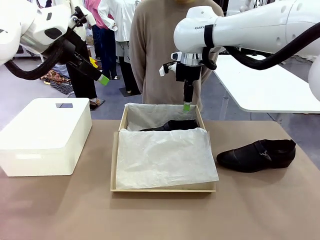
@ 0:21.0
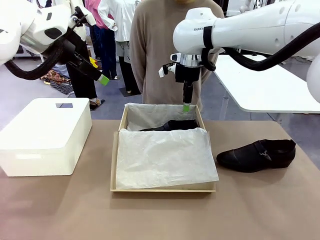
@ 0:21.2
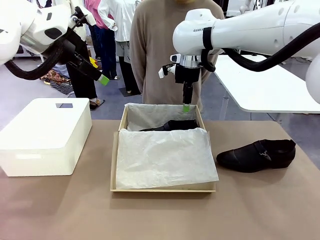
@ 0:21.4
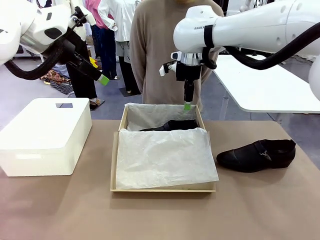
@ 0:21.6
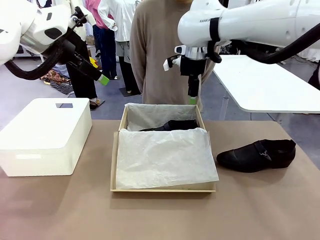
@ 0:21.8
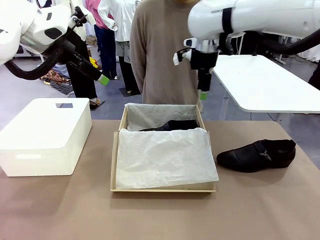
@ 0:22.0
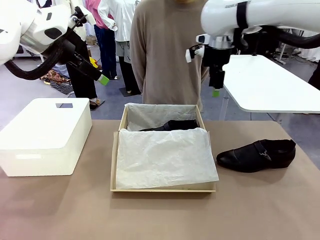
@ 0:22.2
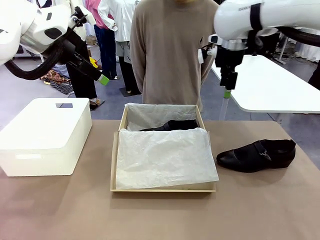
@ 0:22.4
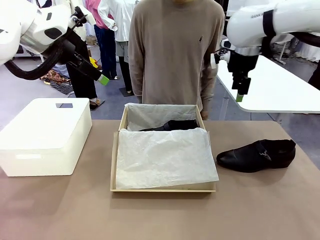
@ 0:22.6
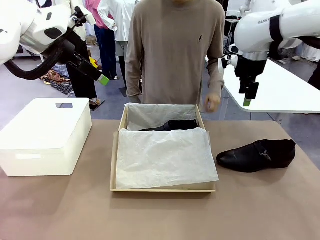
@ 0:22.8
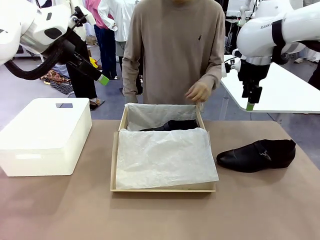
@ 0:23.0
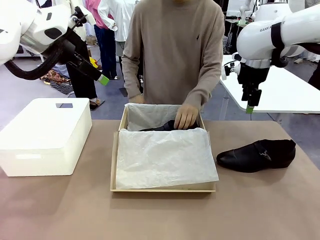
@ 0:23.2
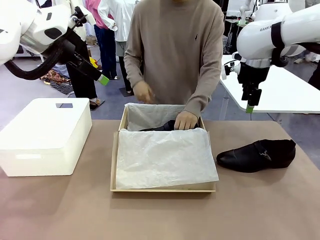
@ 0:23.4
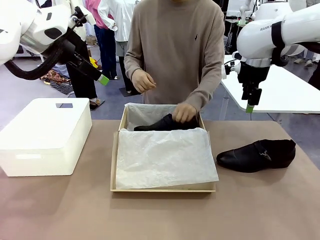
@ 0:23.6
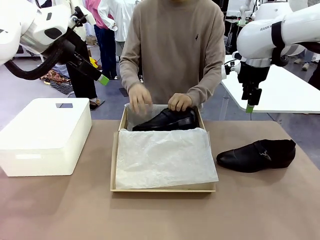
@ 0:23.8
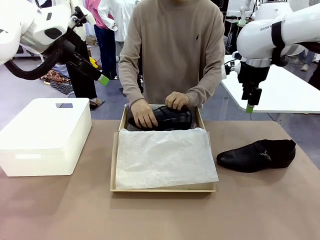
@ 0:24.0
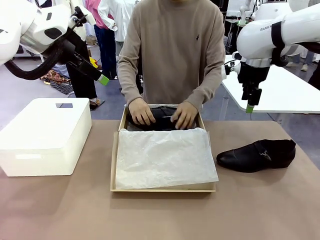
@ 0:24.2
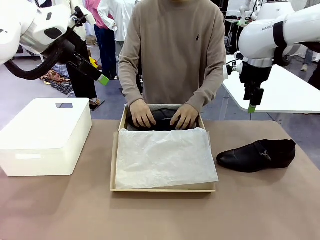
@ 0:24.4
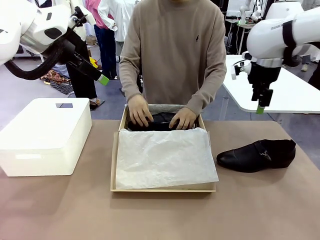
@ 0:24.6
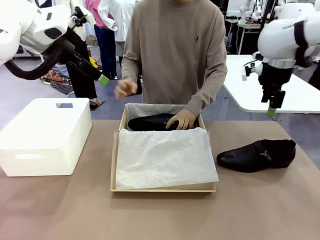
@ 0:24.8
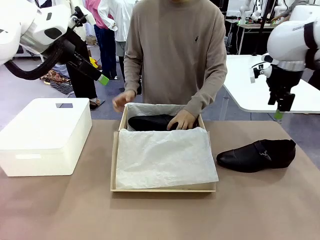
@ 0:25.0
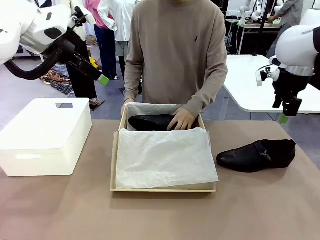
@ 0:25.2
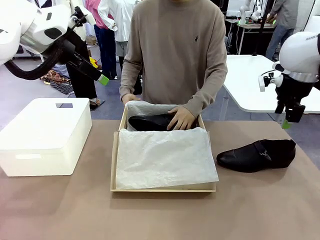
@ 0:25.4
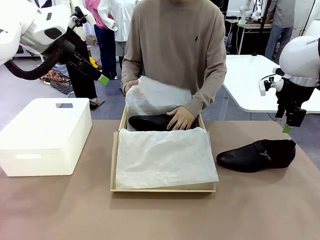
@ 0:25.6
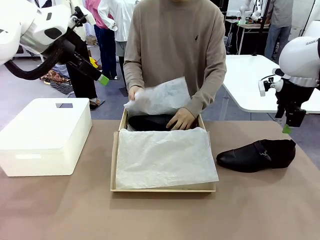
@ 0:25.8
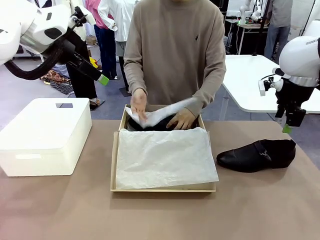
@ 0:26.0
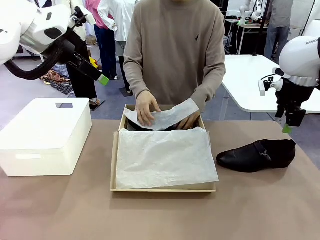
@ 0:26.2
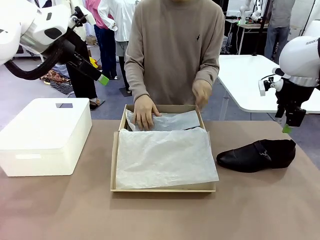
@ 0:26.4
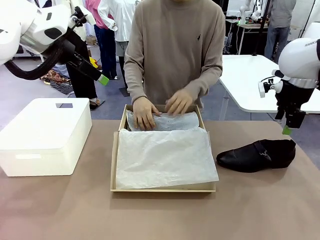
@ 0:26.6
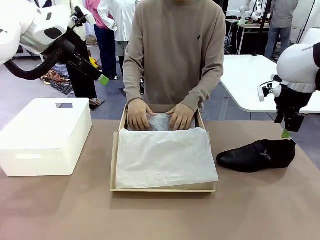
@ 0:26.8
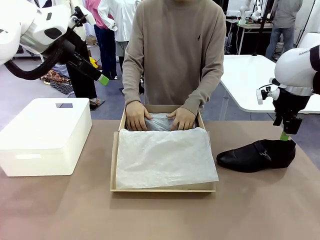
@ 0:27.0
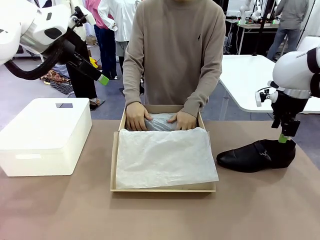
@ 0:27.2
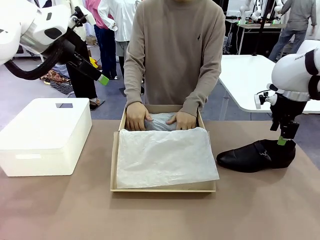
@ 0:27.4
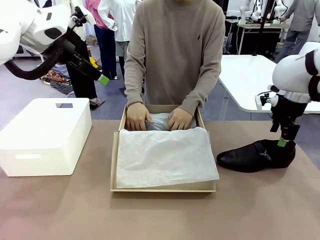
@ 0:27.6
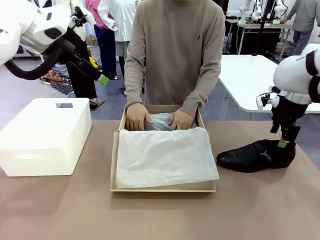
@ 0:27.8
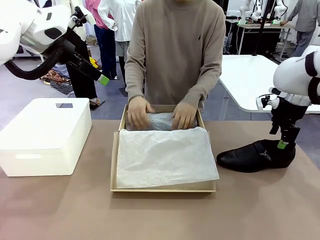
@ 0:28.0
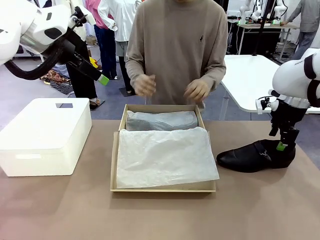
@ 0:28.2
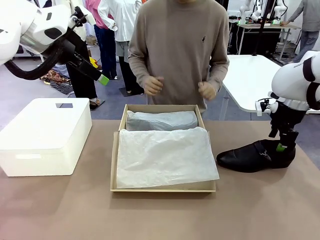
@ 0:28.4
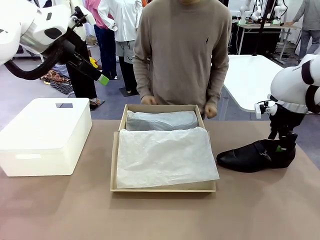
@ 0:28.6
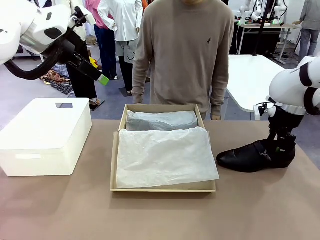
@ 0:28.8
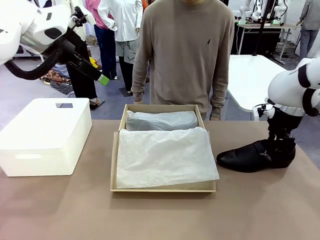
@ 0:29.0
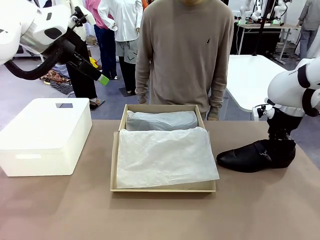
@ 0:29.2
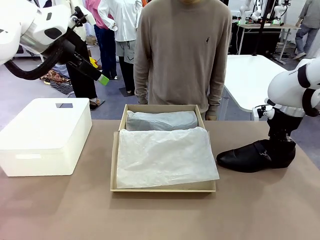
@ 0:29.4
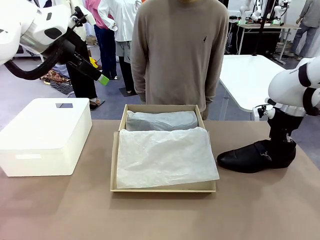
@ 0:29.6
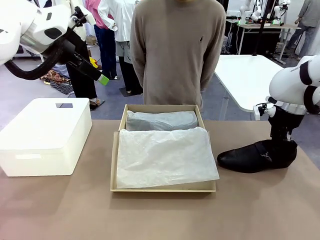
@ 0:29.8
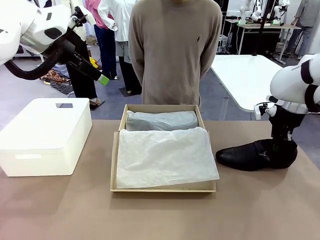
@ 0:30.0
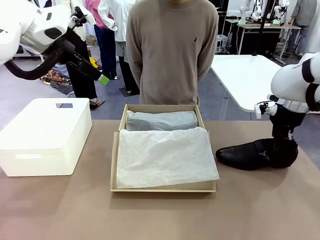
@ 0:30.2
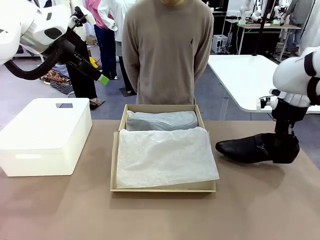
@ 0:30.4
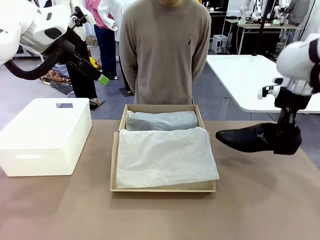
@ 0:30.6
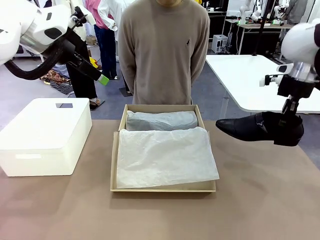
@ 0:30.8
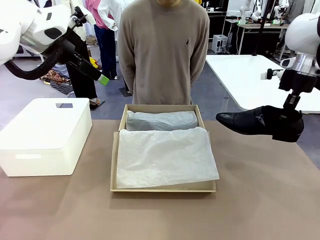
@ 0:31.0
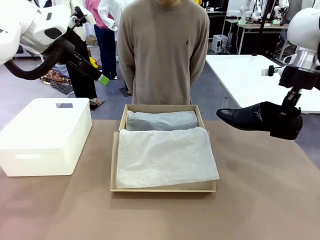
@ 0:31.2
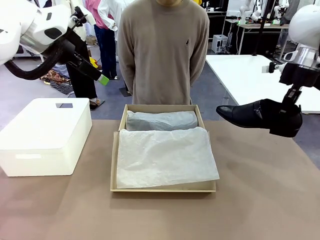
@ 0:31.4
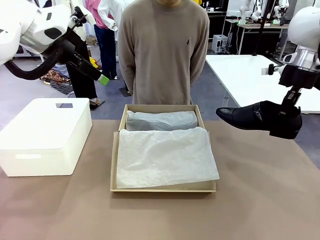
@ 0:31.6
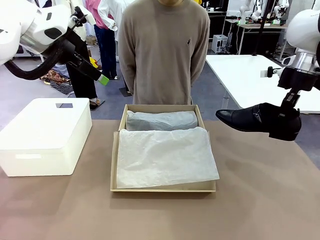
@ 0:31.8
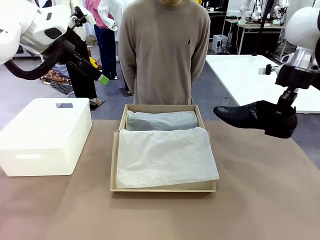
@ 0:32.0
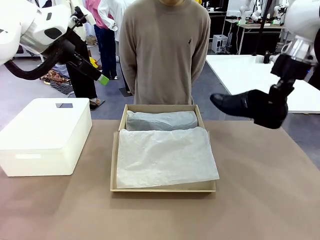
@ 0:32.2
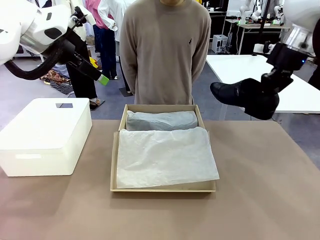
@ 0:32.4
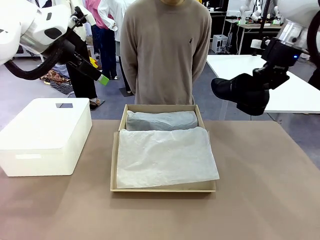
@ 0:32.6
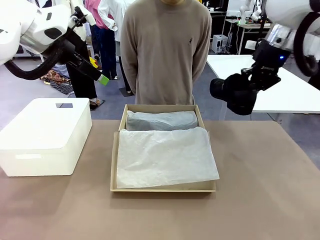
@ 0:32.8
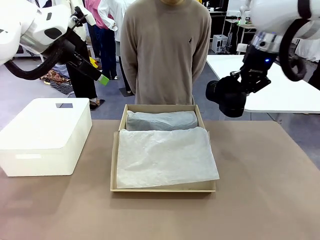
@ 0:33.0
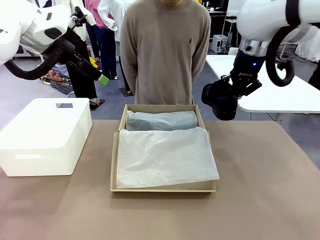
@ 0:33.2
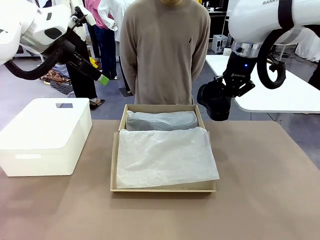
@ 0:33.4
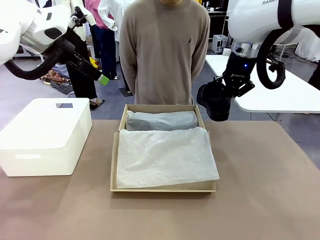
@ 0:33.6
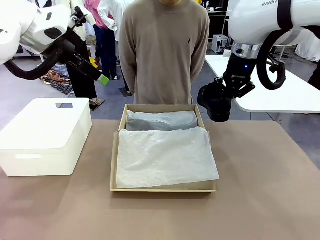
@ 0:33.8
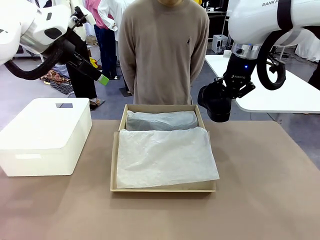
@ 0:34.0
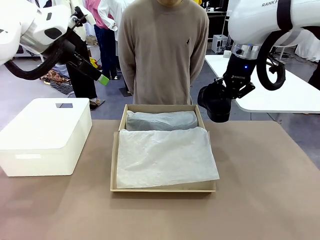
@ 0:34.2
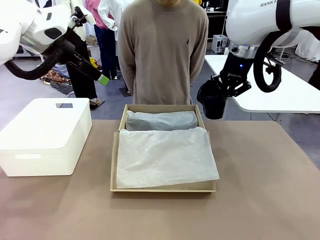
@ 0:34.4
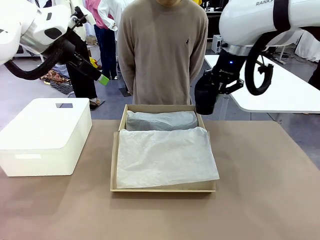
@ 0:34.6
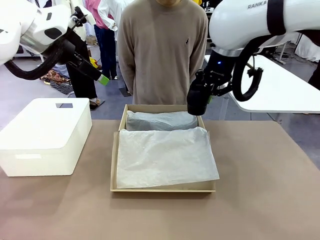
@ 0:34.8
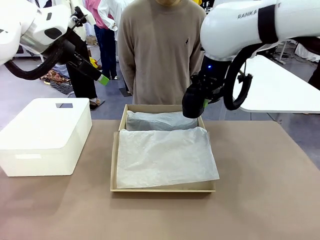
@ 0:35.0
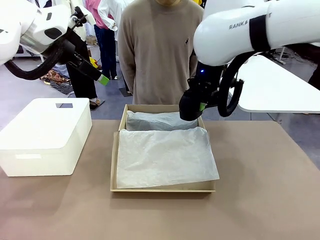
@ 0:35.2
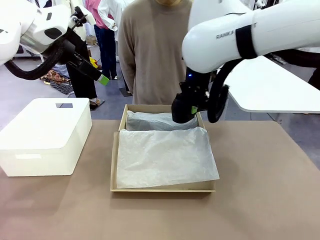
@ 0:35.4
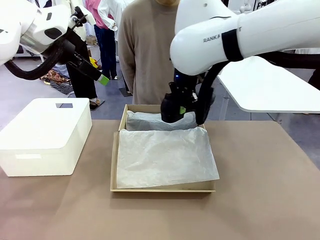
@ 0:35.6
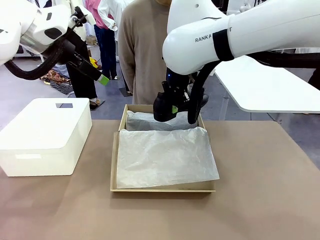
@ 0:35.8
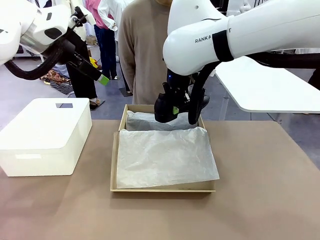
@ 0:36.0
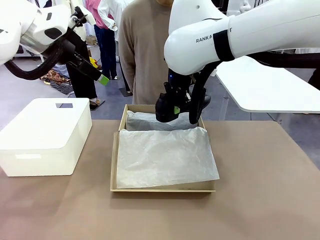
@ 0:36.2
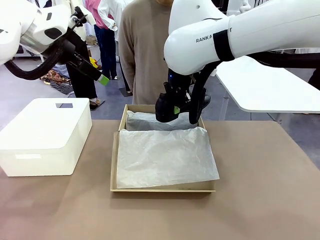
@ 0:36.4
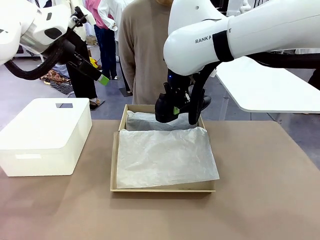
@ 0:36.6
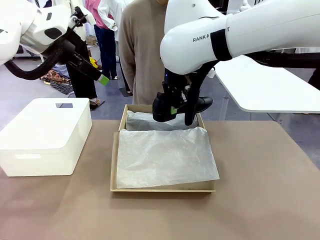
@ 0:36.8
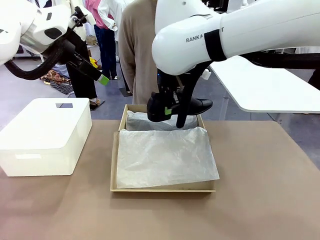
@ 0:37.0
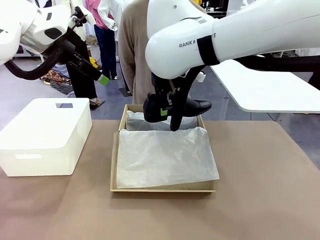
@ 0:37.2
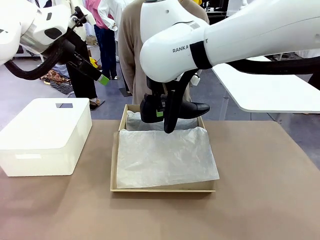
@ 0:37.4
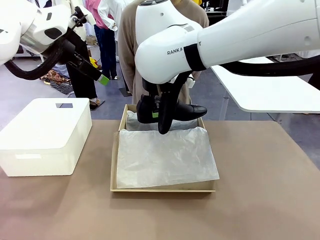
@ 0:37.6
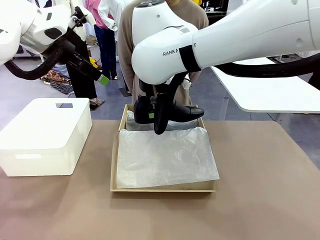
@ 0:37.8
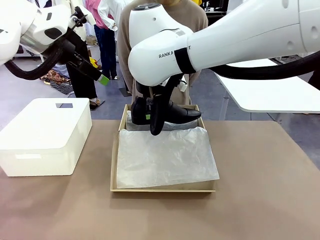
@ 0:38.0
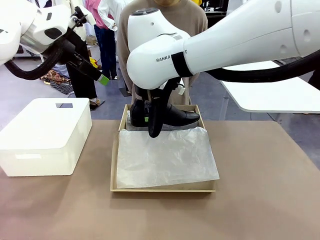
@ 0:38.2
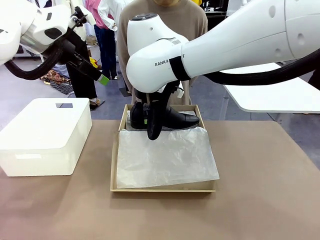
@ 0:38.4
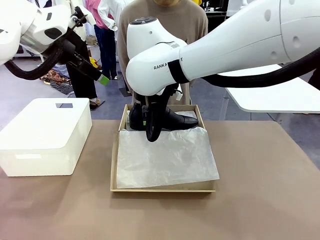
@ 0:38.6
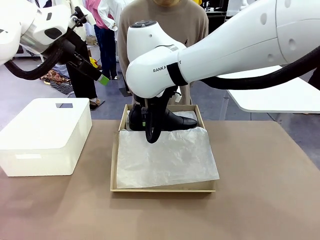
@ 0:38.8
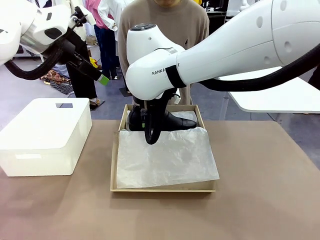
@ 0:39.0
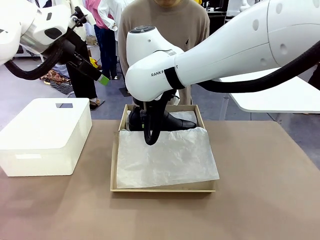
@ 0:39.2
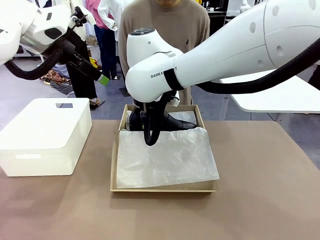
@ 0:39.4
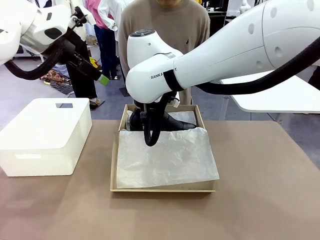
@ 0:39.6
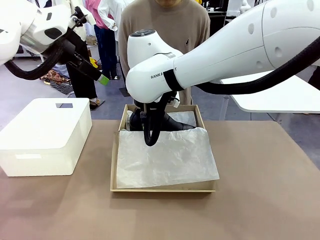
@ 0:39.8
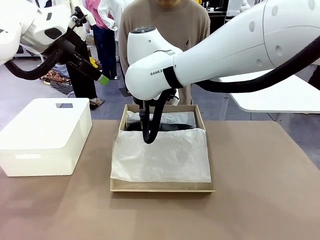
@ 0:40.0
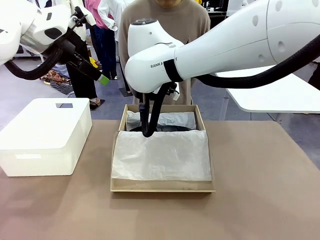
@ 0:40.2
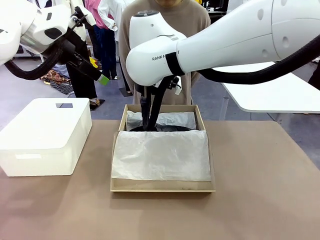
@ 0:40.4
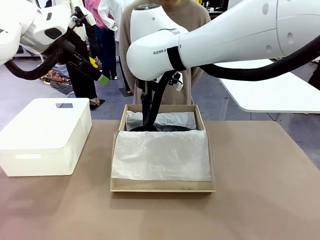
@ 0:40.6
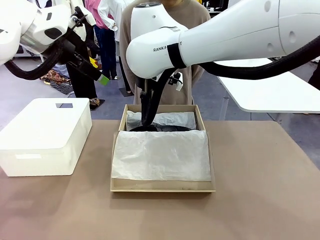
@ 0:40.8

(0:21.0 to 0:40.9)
Task: Pack the shoes into the box.
Robot: Place the other shoe of the Shoes into the Shoes Box.
Person: Pack a shoe of Shoes inside the Shoes Box with Shoes Wrapping Paper.
